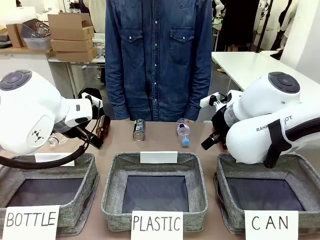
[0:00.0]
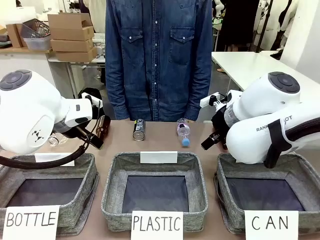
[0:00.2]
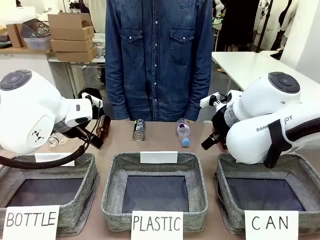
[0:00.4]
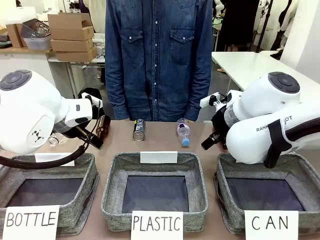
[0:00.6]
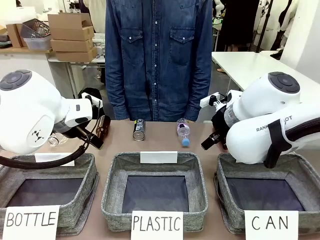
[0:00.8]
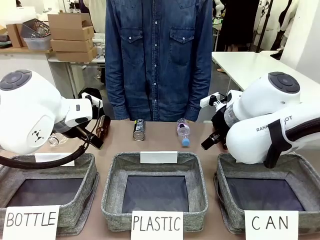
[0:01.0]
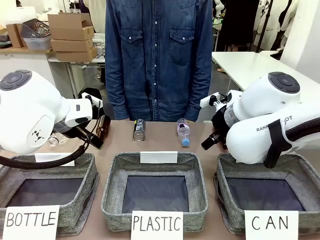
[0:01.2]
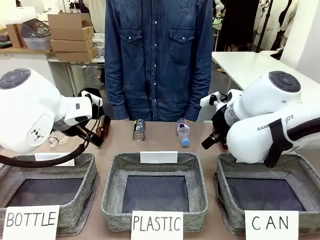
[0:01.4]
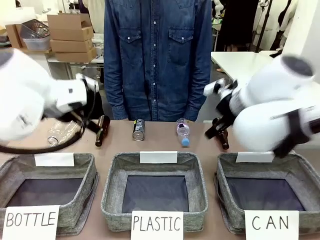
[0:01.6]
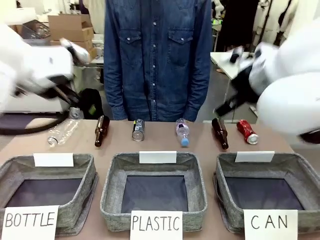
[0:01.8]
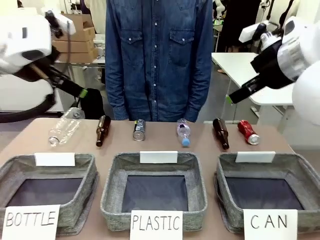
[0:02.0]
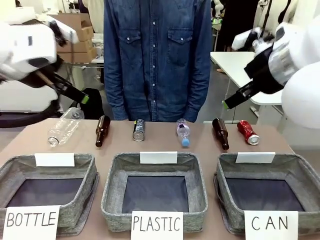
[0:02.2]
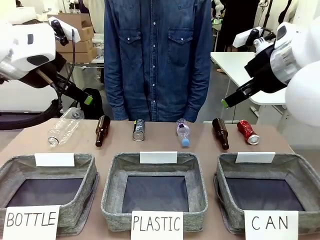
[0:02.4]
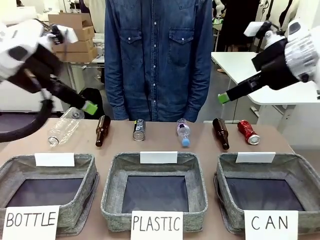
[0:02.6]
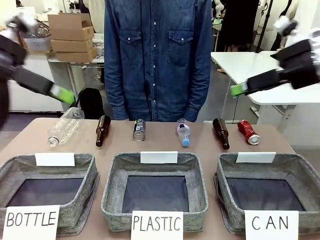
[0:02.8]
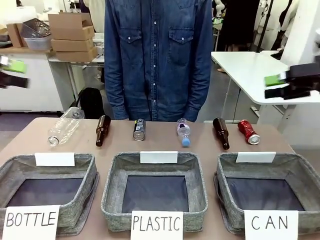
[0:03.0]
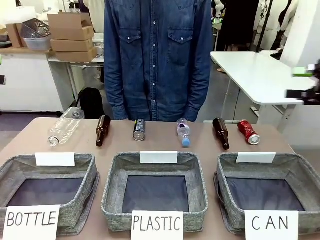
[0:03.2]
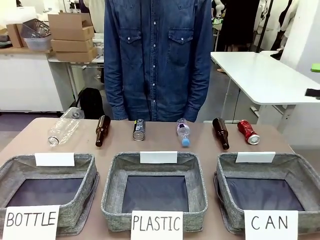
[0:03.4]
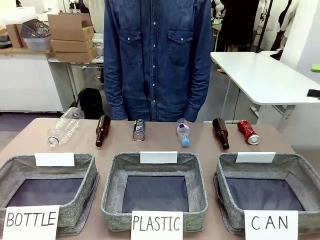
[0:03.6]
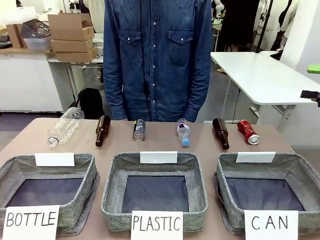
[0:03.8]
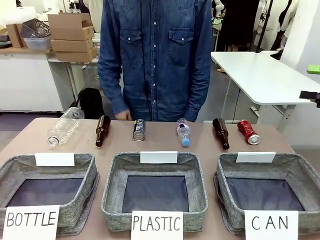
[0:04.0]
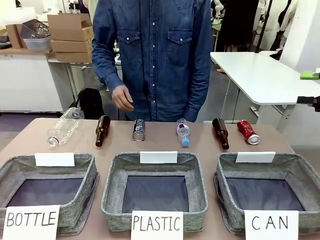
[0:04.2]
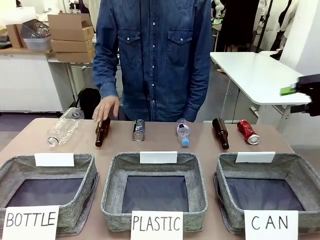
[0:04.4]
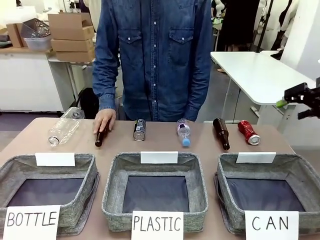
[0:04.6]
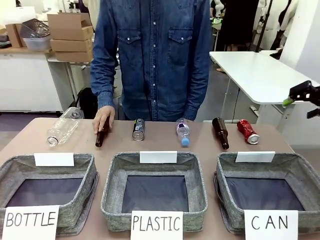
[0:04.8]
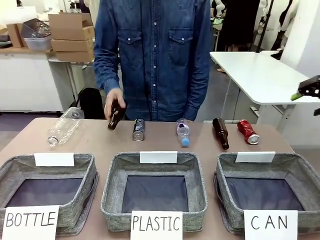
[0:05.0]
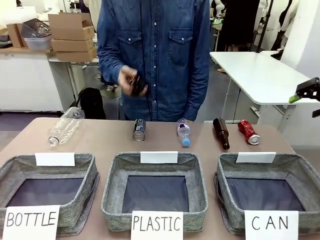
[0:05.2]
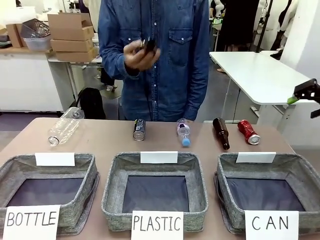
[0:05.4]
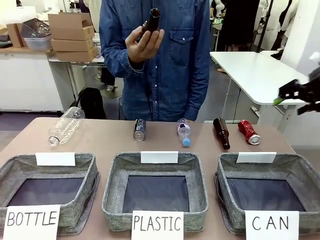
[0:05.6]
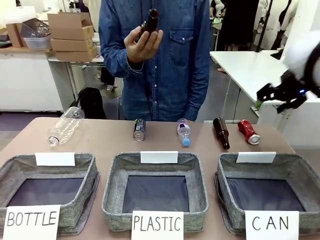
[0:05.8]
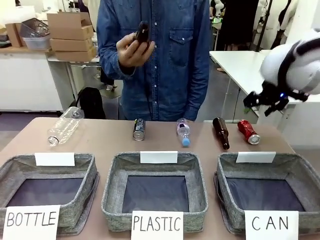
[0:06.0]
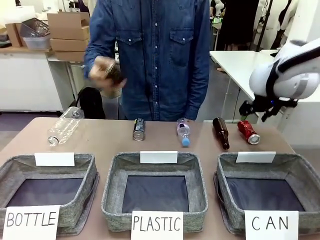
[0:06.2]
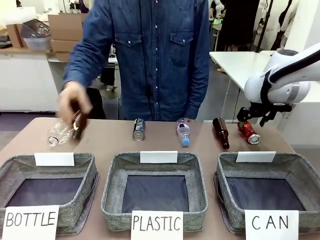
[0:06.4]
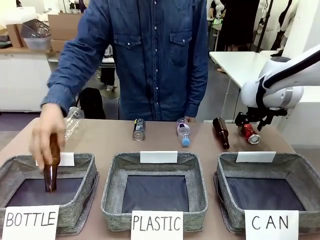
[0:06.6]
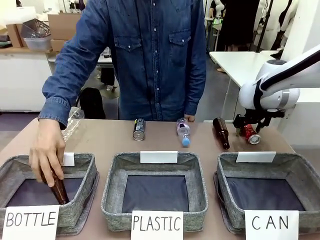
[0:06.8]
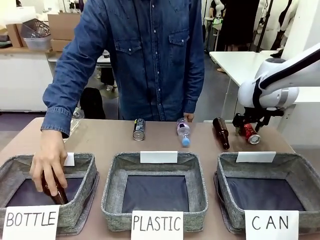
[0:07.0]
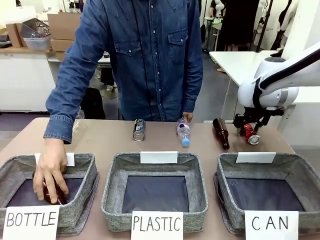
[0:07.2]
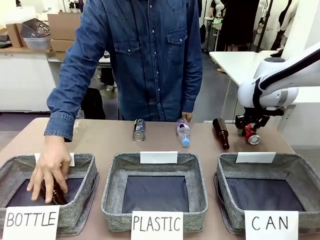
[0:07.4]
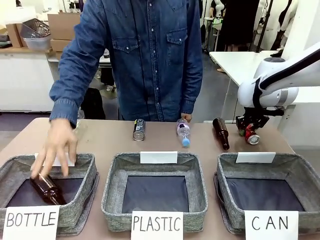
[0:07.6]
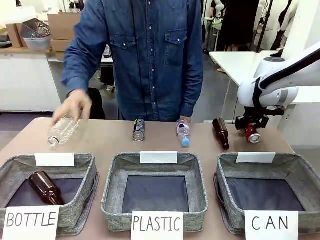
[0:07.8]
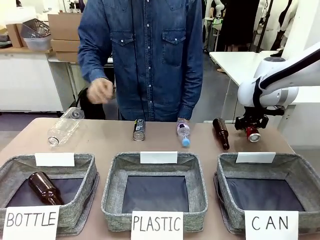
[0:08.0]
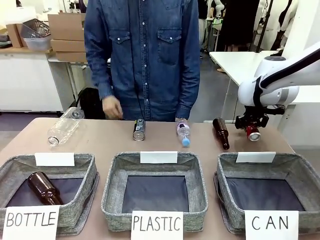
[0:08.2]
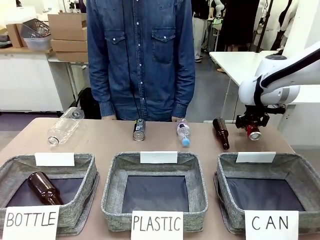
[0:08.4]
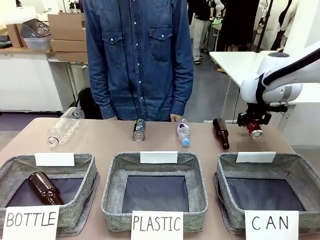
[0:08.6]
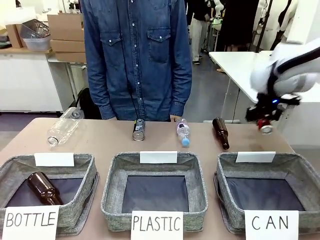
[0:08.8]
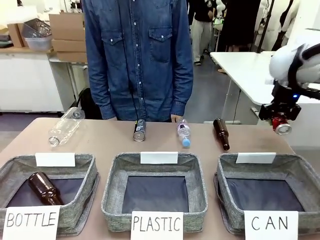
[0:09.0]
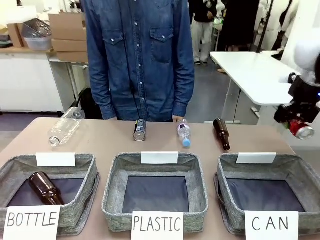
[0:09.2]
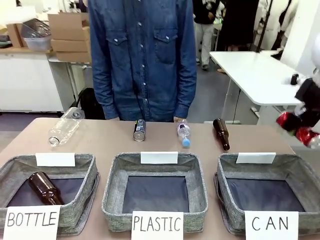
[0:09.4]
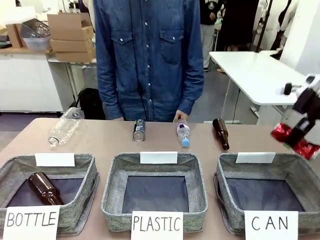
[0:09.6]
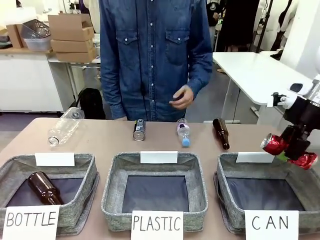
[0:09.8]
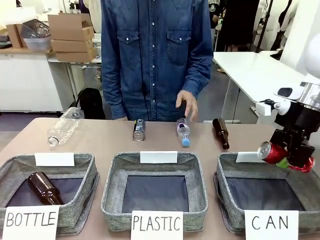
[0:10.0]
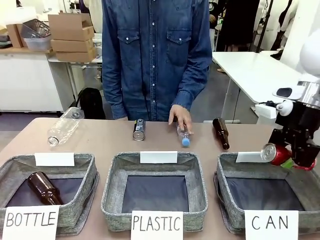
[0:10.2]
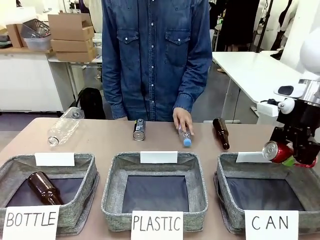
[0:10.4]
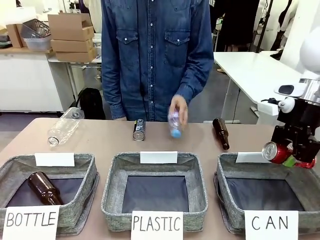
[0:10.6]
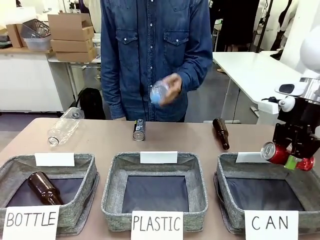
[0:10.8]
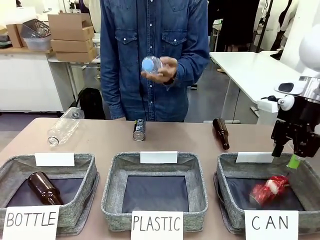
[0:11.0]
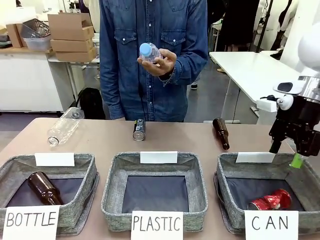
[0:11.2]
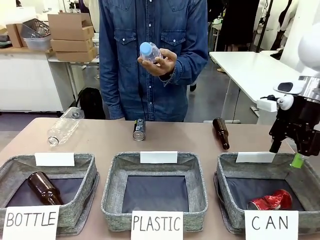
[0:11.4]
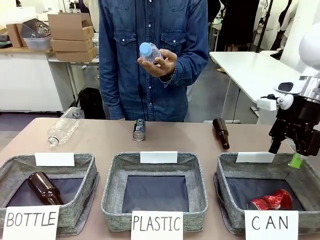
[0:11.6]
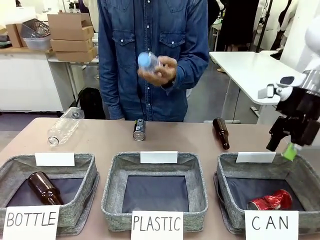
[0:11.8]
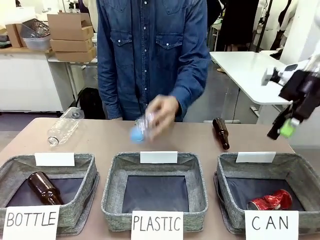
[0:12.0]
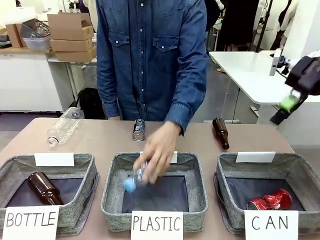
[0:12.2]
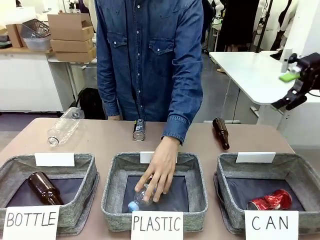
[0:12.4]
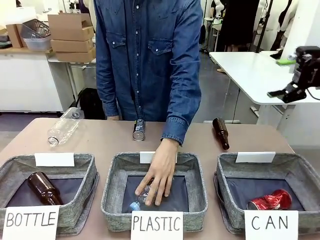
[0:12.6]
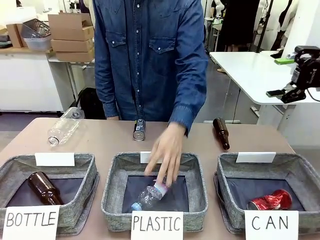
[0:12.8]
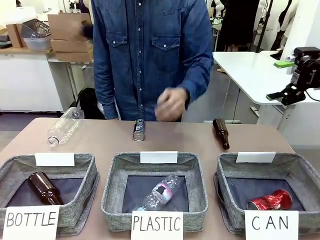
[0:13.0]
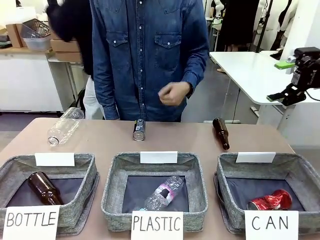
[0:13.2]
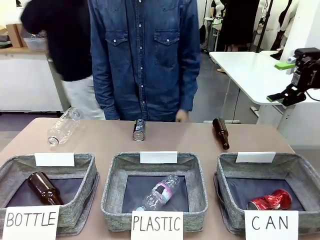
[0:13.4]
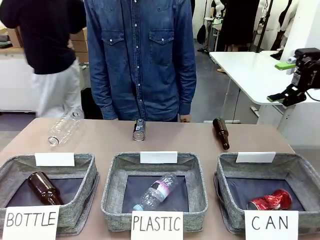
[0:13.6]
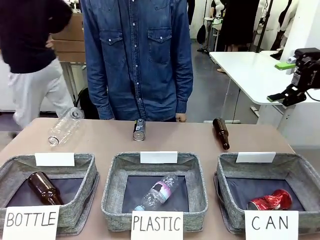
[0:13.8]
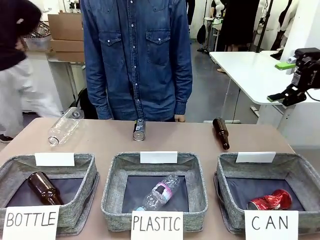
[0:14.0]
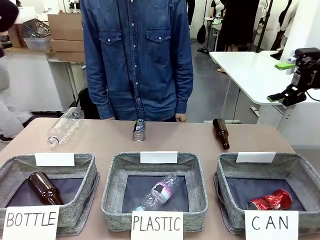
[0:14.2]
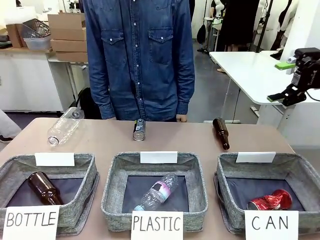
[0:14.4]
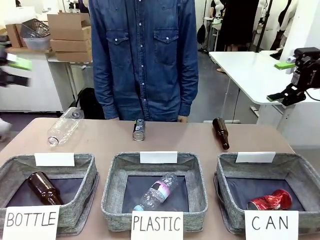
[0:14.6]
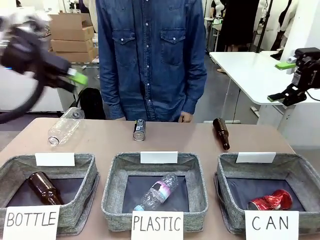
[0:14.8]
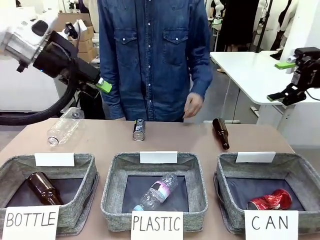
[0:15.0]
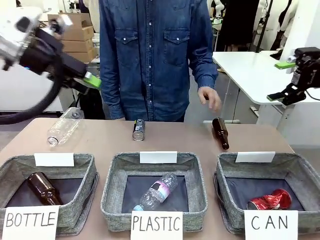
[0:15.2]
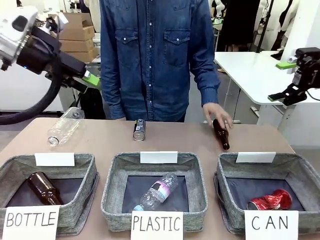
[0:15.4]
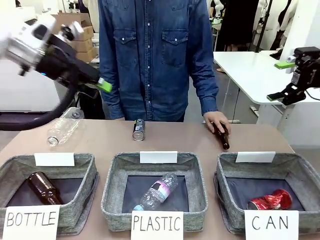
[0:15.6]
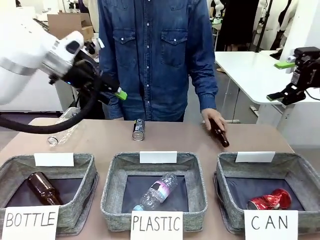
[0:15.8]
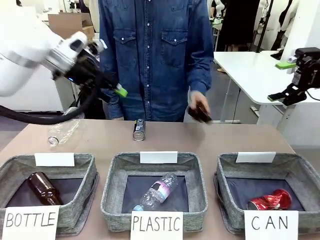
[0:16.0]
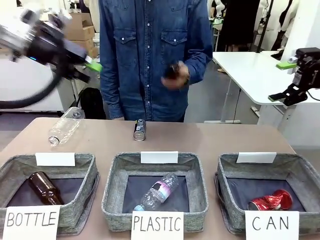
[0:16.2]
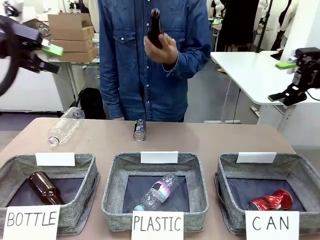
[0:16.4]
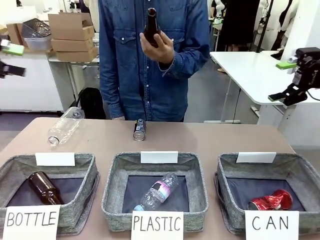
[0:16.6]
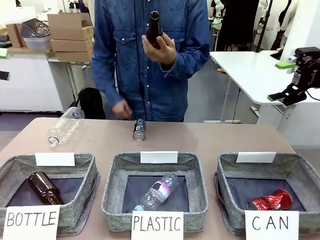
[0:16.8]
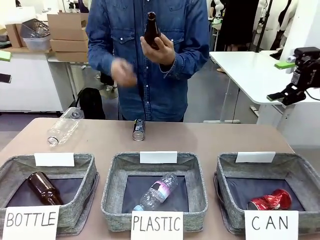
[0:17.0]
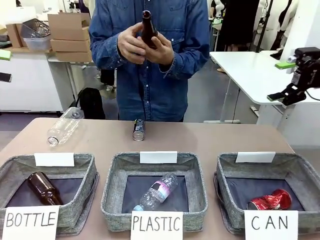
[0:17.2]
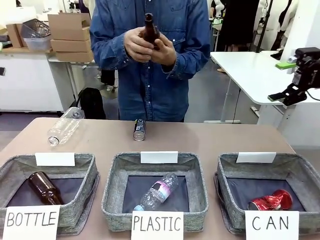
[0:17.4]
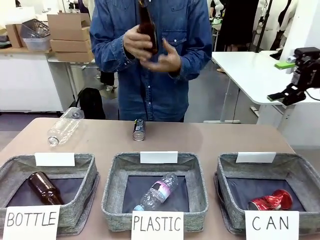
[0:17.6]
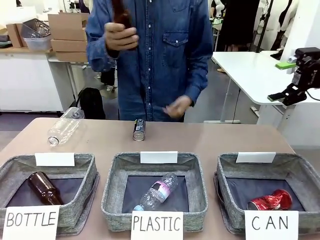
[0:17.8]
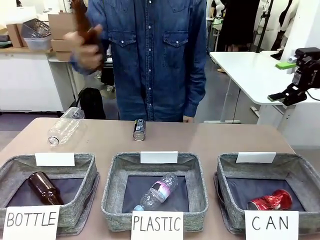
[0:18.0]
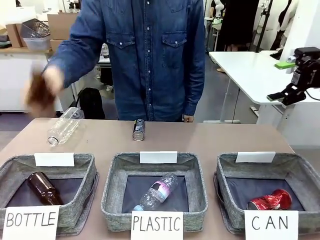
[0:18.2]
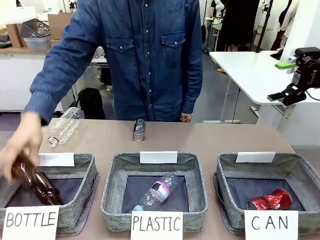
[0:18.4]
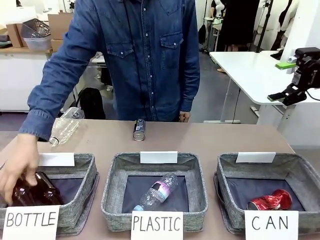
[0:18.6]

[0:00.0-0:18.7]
Task: Sort the can waste into the basket.
Robot: Pick up the can waste from the table and place it in the right Fabric basket.
